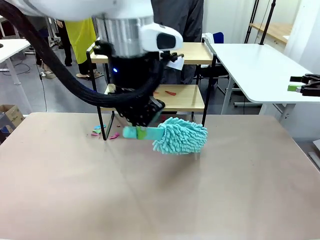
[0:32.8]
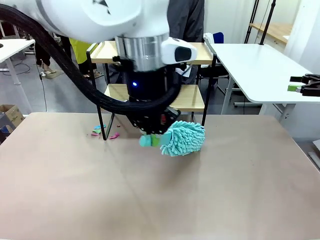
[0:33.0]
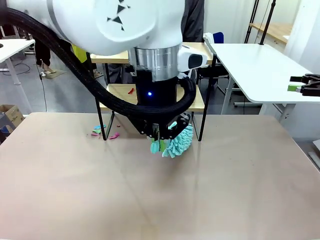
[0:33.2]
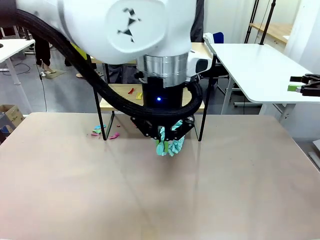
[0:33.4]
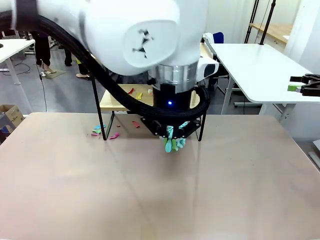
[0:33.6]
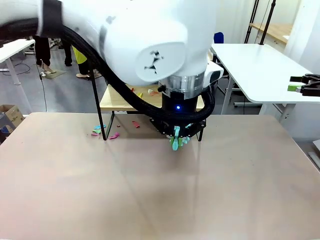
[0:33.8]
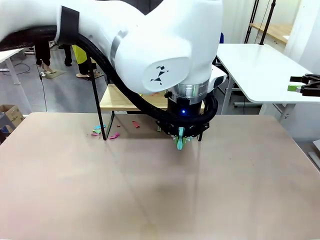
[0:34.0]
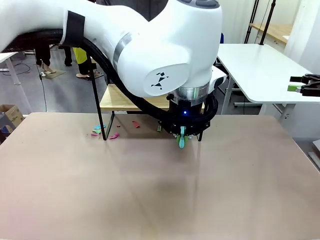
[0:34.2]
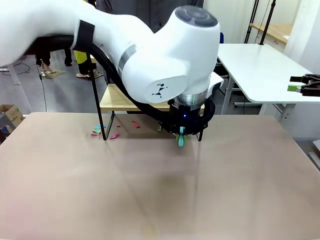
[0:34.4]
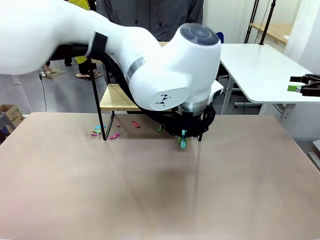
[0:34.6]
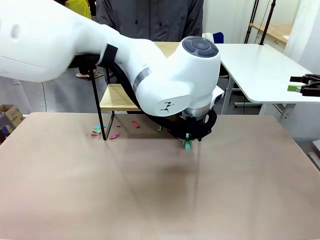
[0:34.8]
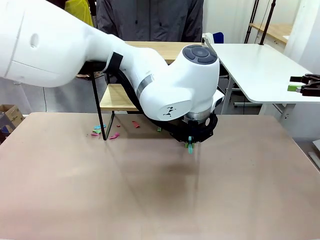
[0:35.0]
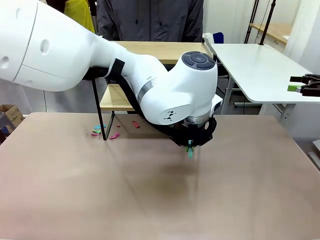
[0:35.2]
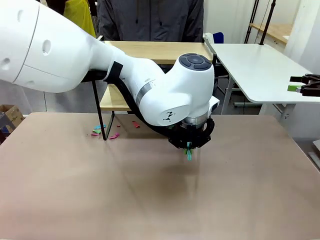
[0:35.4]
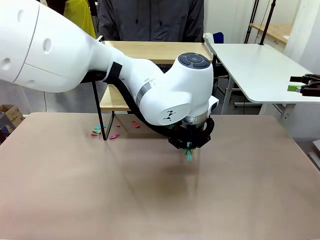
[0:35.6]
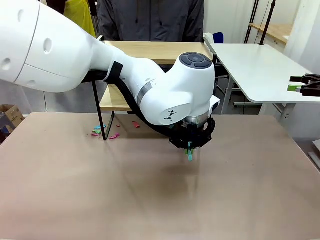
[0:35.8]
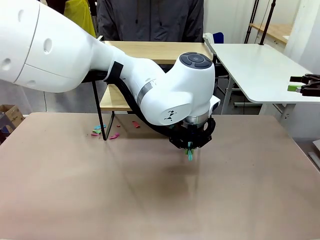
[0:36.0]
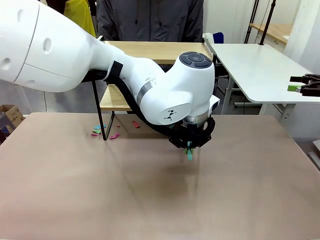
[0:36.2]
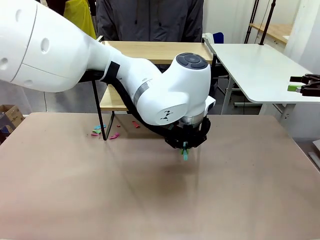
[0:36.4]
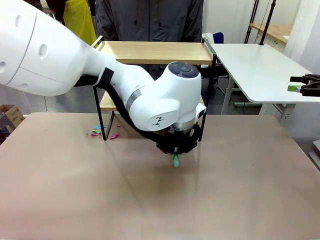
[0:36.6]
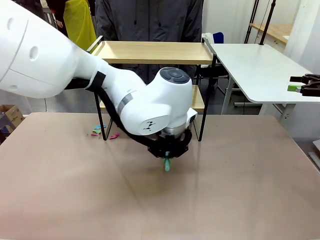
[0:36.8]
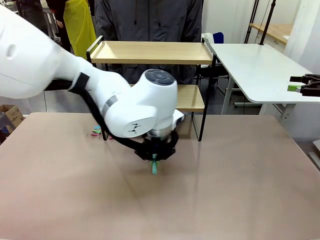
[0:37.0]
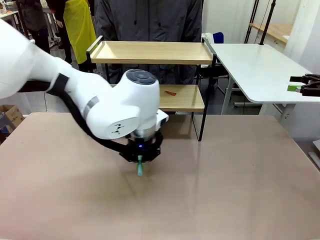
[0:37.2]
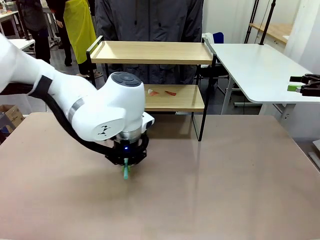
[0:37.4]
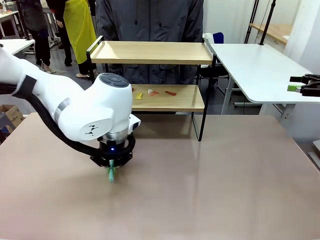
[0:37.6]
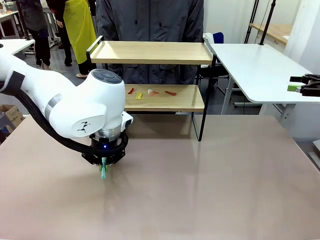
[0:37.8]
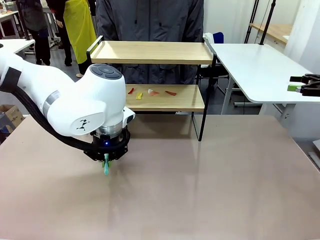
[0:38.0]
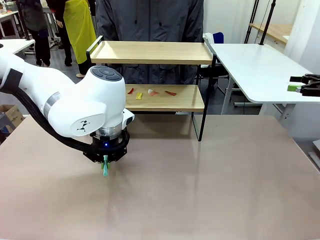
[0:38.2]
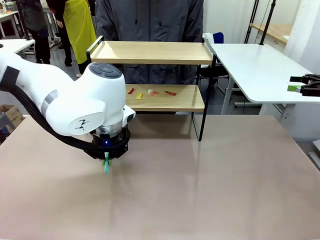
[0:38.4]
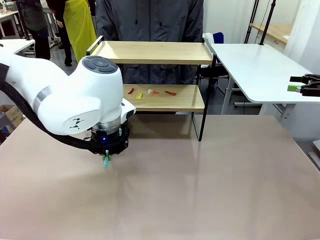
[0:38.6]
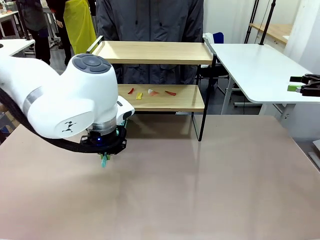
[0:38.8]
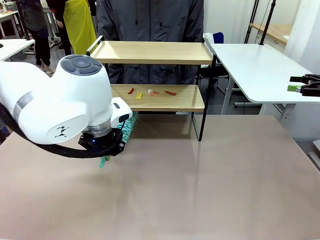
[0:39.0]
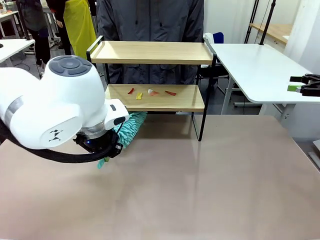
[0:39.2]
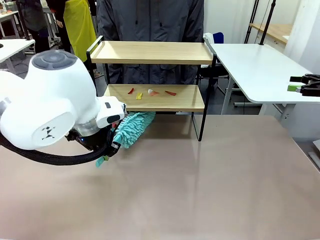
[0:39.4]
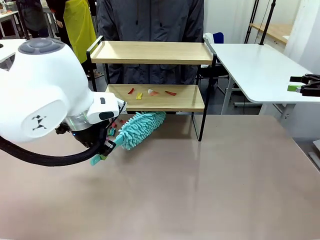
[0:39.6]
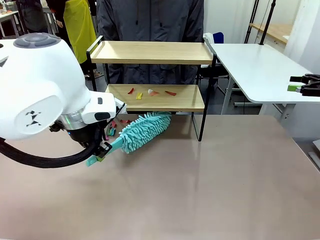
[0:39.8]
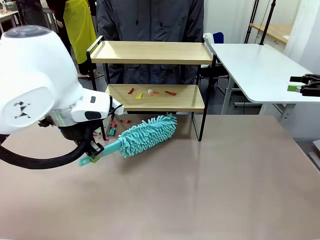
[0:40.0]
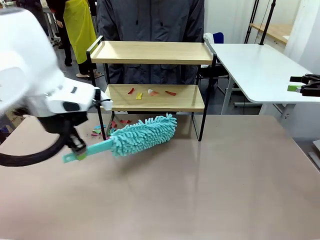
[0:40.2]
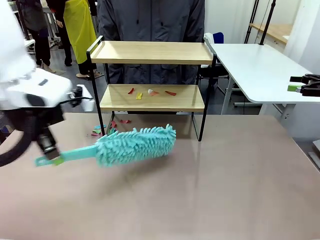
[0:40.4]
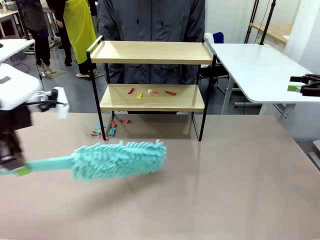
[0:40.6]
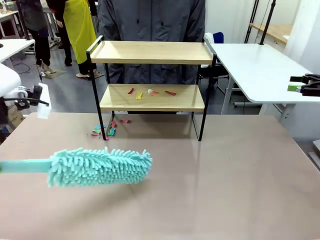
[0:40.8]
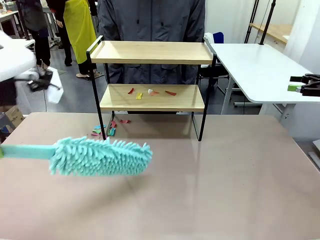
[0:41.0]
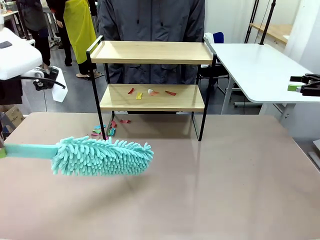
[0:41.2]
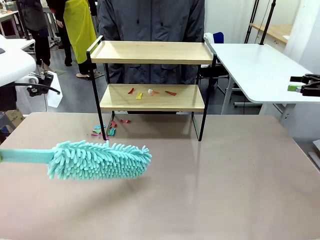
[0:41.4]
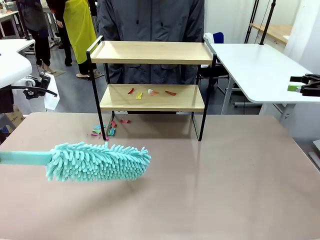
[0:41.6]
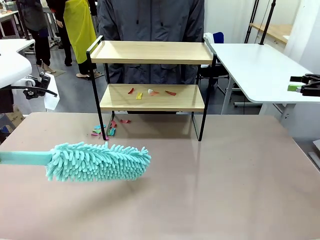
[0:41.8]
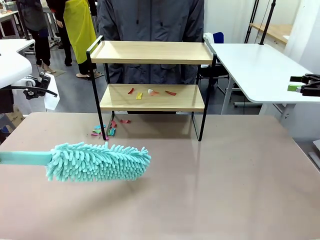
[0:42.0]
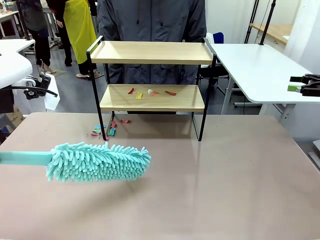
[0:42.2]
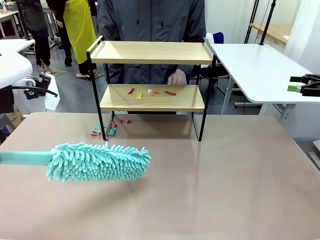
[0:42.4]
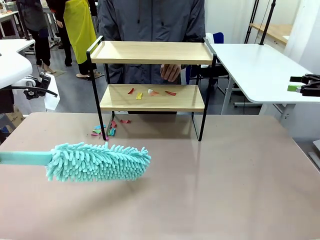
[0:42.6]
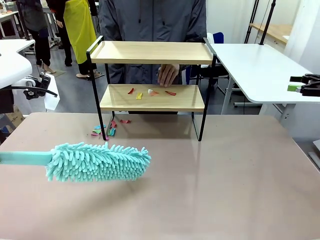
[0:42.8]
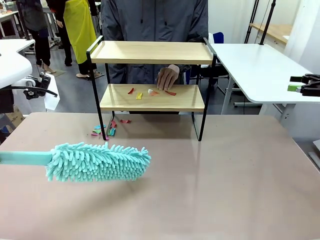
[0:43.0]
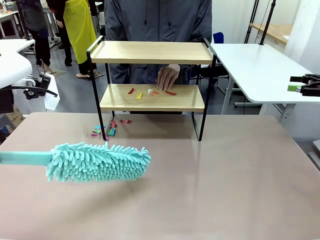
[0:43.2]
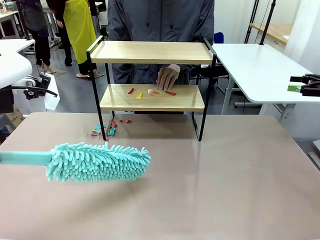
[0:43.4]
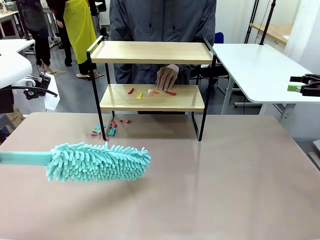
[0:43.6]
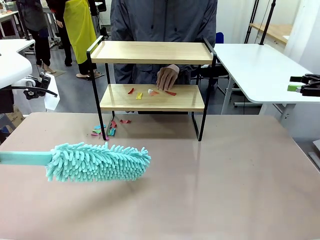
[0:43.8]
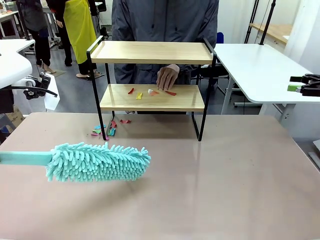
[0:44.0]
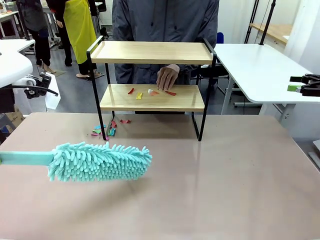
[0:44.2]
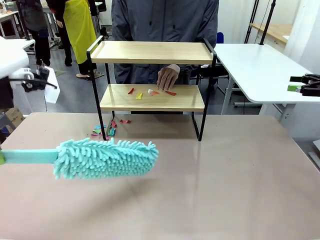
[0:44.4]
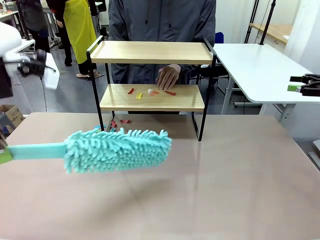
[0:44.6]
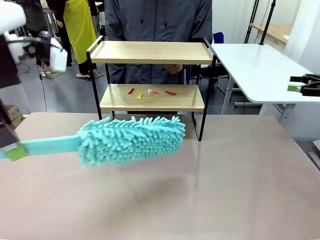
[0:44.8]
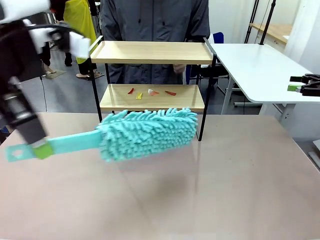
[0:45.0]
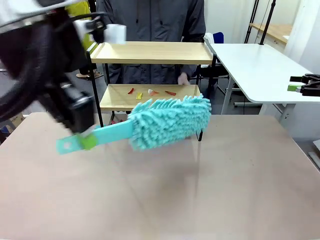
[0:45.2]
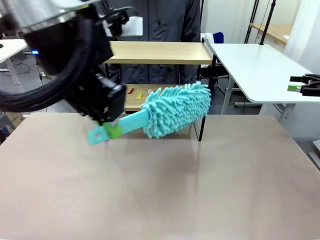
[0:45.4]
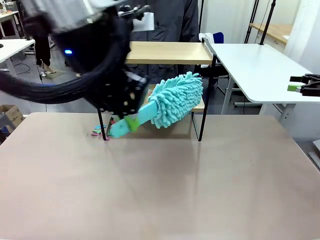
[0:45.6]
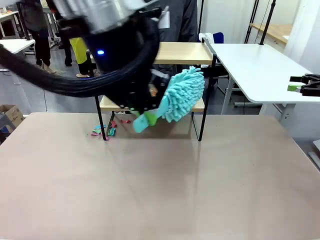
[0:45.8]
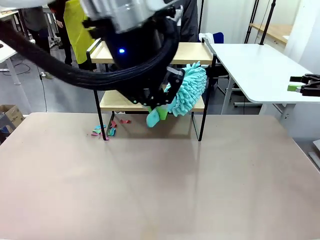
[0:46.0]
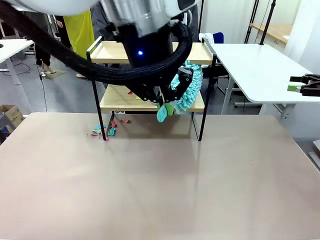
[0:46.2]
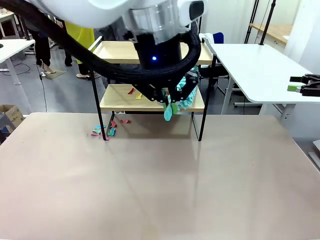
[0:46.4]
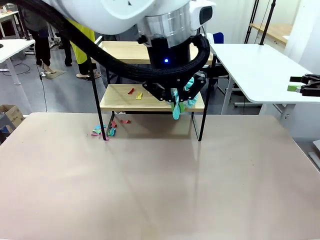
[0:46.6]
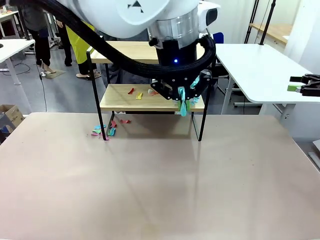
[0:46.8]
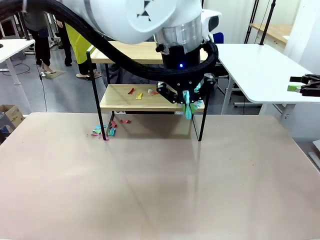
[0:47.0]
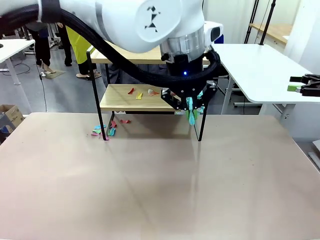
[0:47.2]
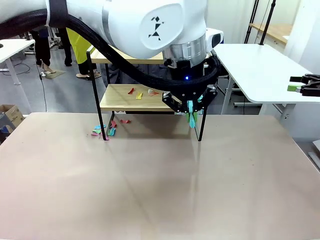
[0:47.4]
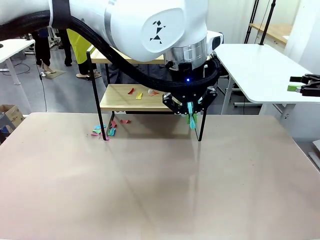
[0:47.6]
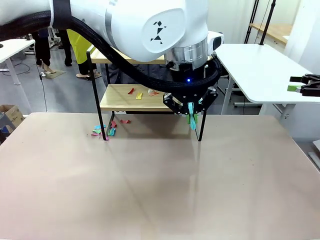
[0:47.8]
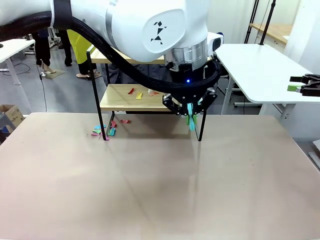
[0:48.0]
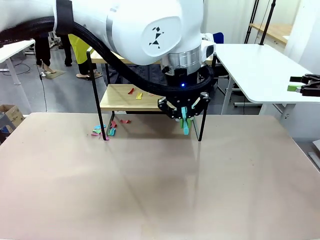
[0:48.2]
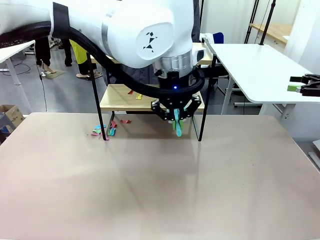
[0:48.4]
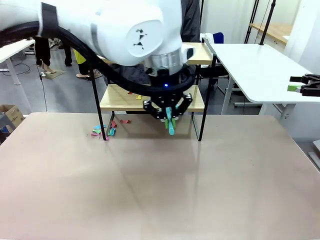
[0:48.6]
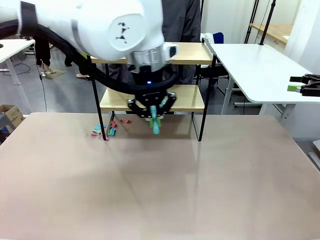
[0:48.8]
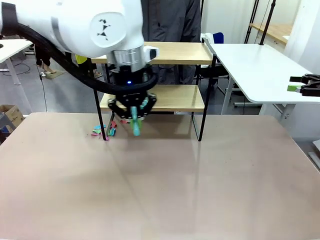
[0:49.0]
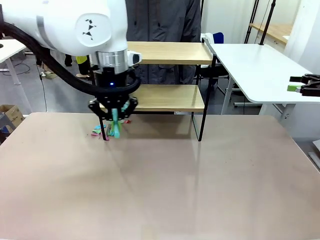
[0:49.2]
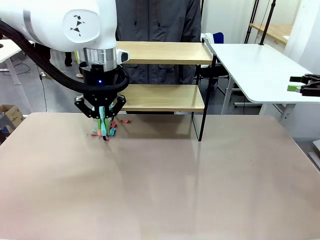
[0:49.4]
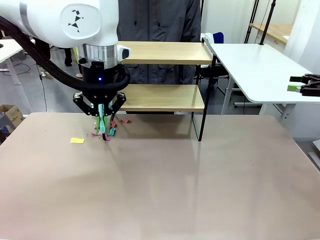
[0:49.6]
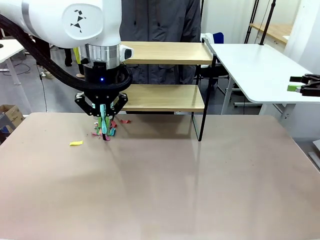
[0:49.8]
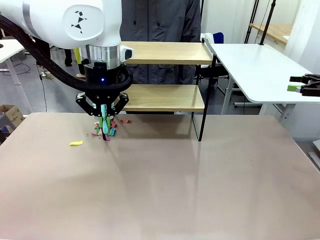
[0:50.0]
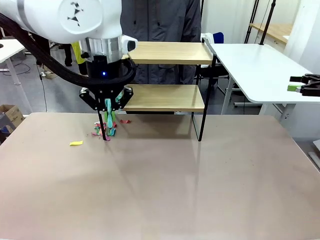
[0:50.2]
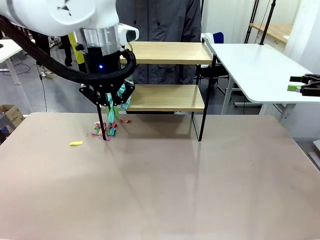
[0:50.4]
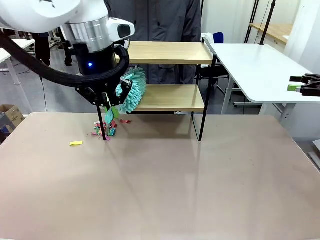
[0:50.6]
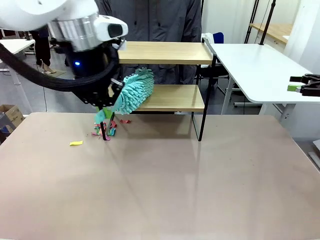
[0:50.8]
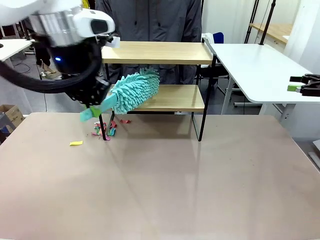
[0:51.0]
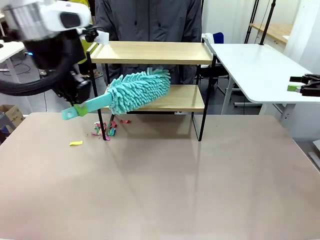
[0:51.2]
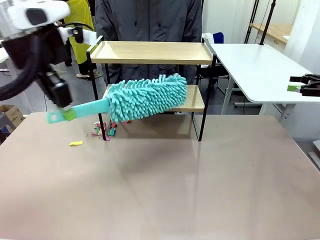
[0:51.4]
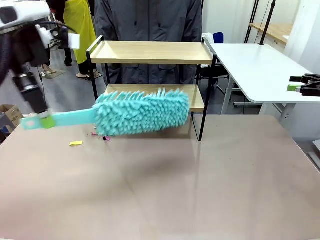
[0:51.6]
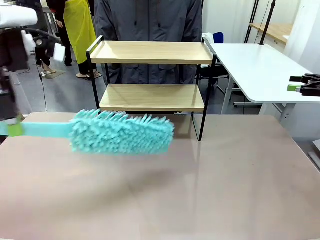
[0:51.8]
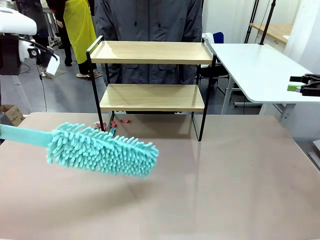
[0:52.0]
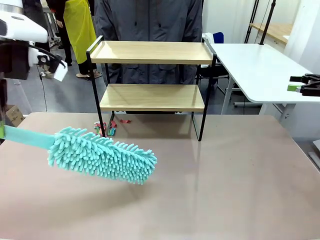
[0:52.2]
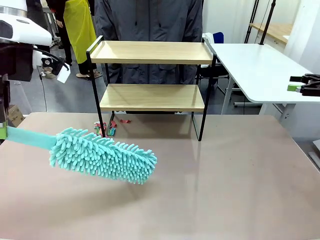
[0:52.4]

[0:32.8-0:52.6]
Task: Clean the shelf.
Robot: Clean the specific section of the Shelf indicated by the human with the Duster.
Person: Point a remaining section of the Shelf.
